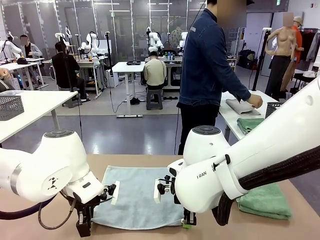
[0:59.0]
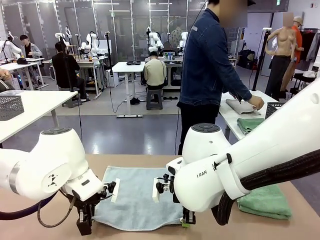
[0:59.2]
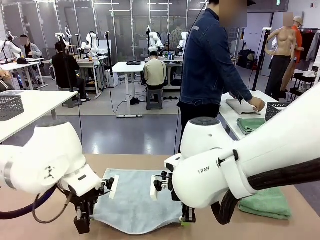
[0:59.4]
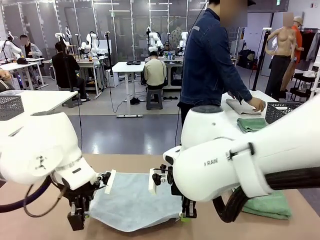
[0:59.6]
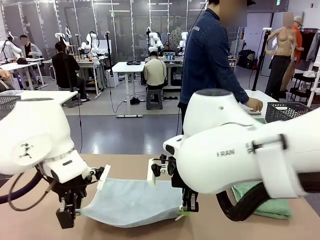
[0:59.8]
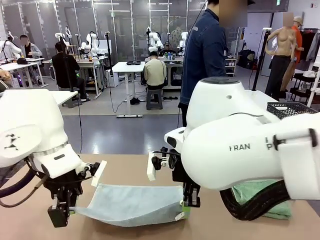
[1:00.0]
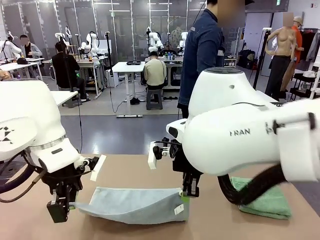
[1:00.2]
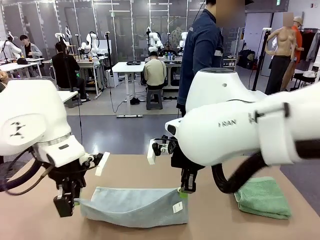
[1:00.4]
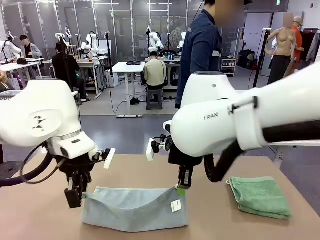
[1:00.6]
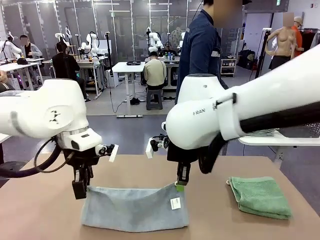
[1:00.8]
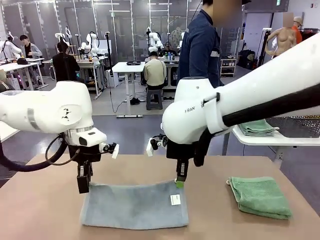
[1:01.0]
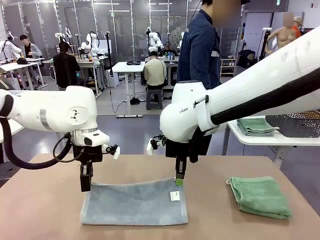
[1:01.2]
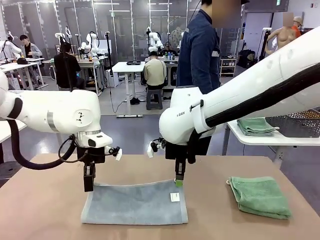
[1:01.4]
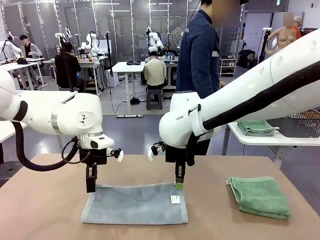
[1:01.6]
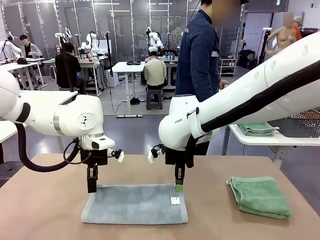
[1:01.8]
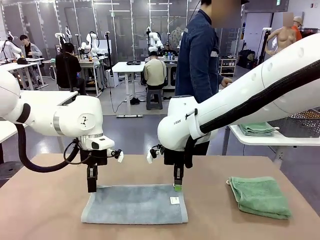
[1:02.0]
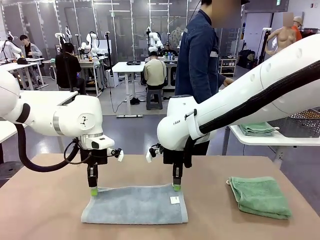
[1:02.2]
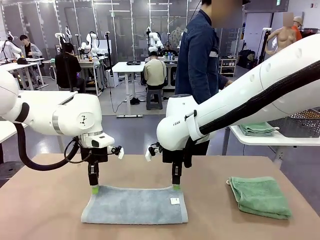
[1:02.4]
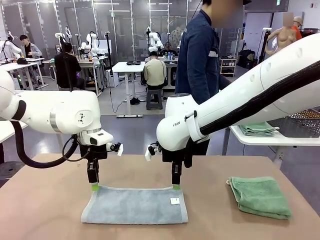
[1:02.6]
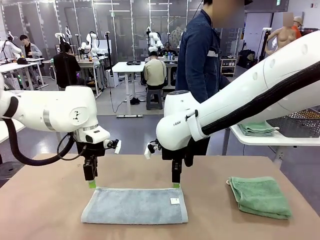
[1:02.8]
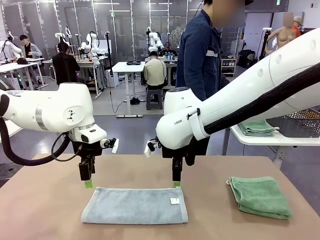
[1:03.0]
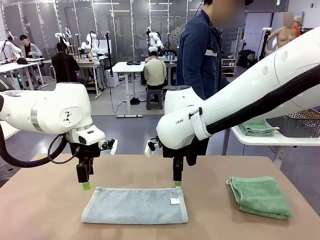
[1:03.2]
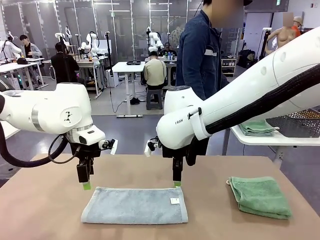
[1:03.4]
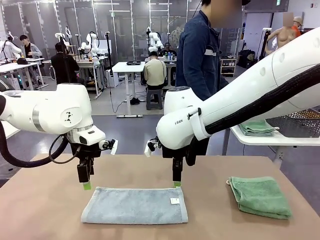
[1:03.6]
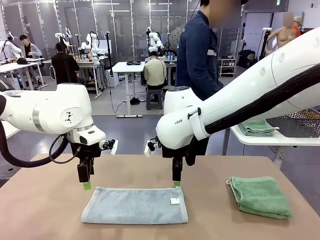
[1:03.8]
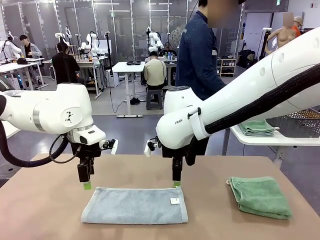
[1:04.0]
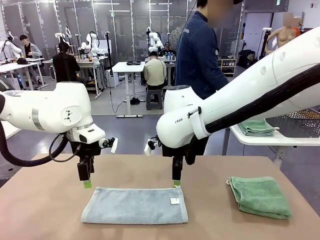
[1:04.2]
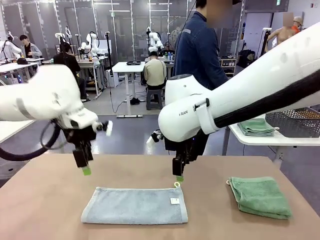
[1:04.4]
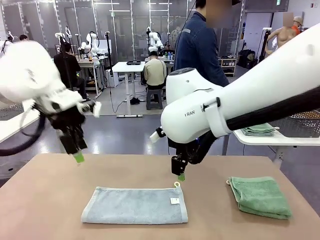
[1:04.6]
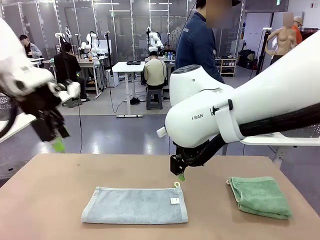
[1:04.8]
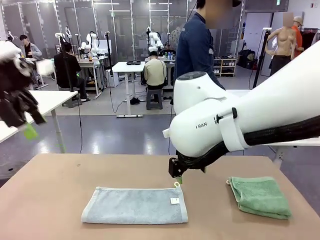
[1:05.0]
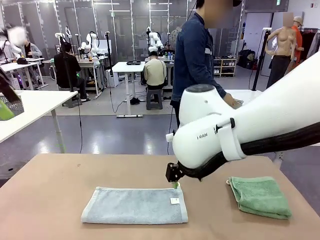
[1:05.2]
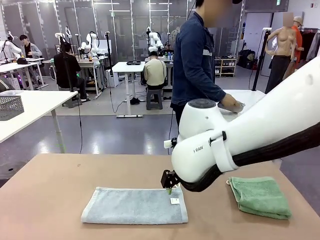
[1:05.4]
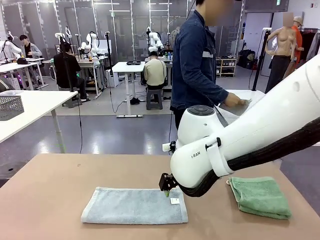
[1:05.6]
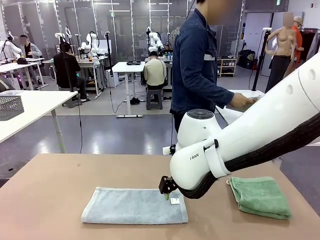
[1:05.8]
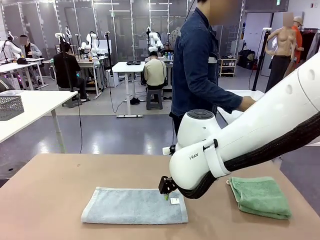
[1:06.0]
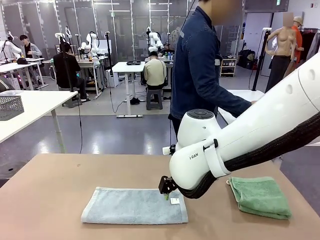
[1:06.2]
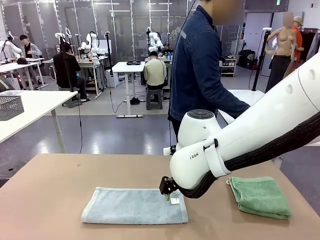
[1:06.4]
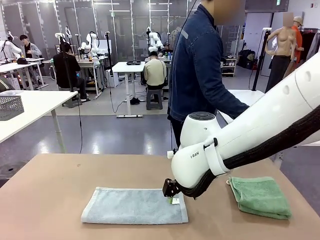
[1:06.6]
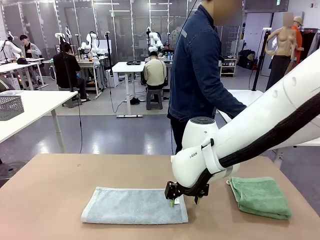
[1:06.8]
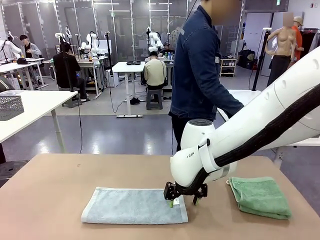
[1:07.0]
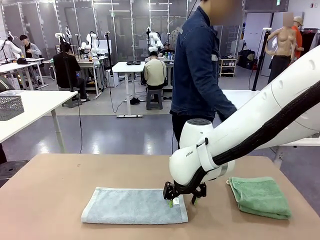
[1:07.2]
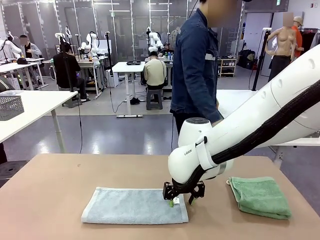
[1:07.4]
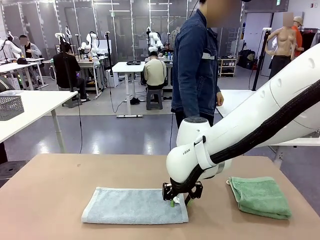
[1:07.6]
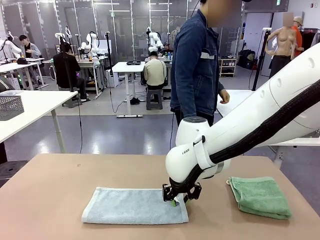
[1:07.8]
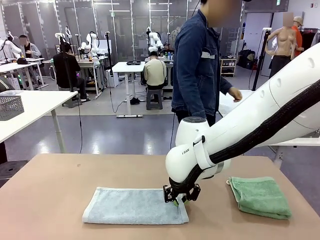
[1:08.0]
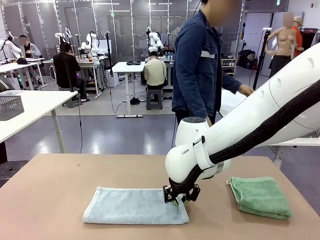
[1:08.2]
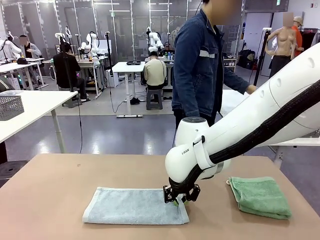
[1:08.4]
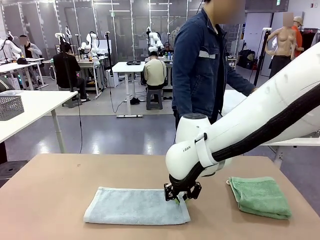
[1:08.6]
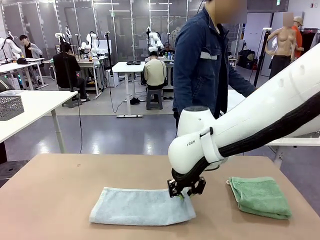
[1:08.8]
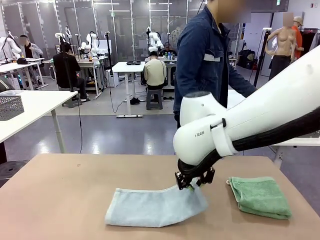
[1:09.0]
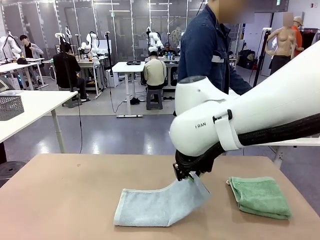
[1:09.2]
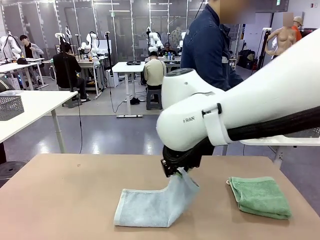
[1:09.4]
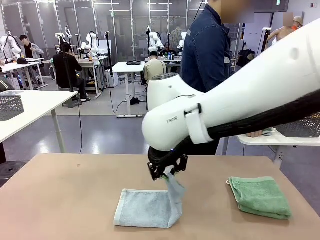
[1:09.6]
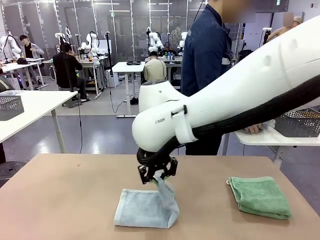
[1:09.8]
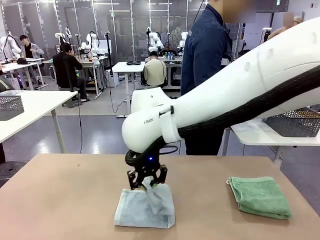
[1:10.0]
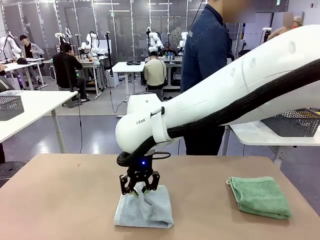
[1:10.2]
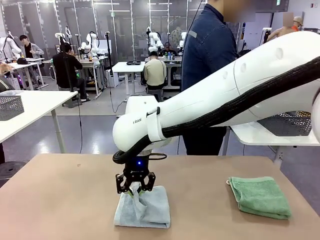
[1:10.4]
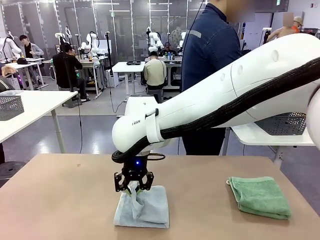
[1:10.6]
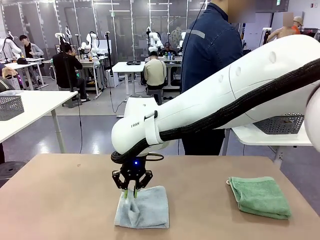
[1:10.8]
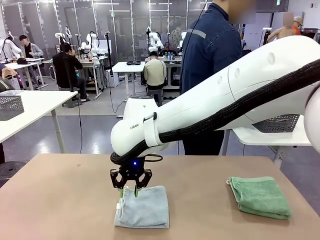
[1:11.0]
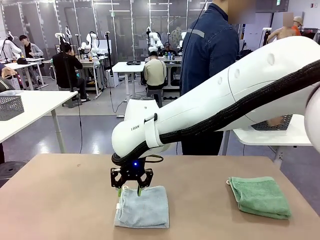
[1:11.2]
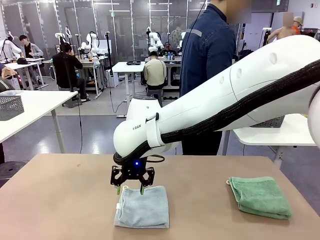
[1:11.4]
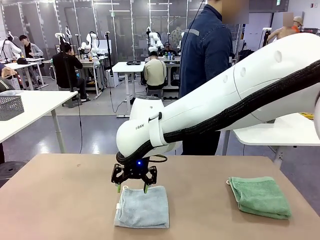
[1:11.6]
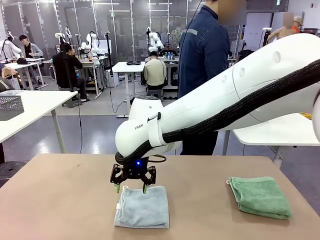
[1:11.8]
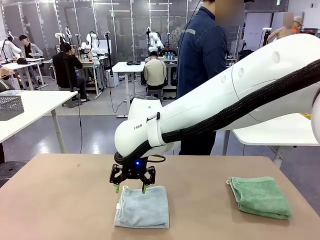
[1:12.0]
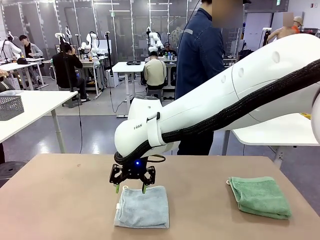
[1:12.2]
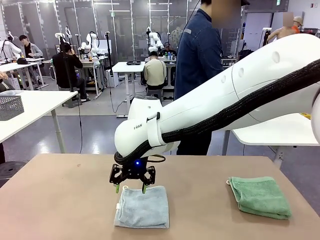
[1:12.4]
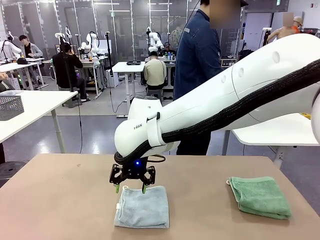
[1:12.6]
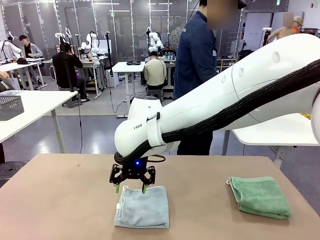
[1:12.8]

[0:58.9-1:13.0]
Task: Fold the towels and place them in the basket.
Robot: When a person lays out a Towel with hook on the table, fold it in half twice.
Person: Pick up one towel from the left side of the human table, fold it in half twice, and stack it on the right side of the table. Pick up the stack of towels from the right side of the human table, place it into the basket, and put the basket at the center of the table.
